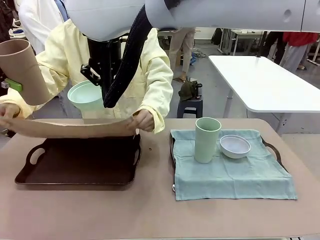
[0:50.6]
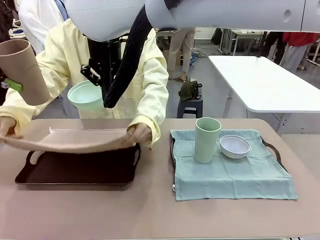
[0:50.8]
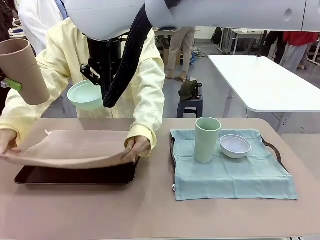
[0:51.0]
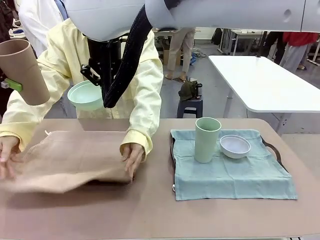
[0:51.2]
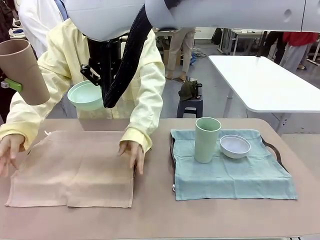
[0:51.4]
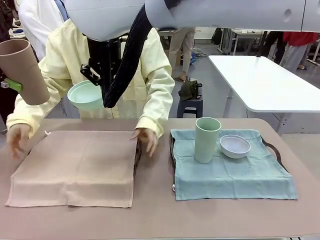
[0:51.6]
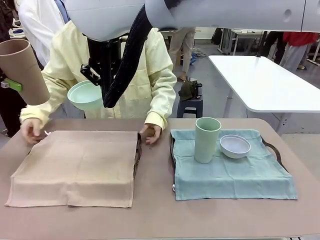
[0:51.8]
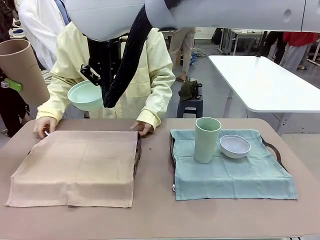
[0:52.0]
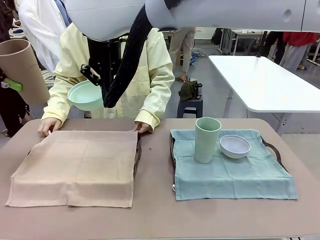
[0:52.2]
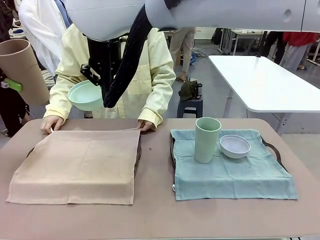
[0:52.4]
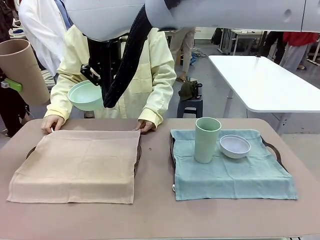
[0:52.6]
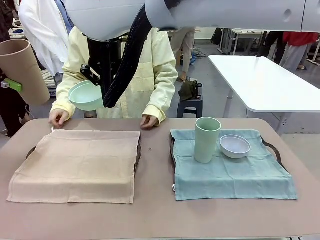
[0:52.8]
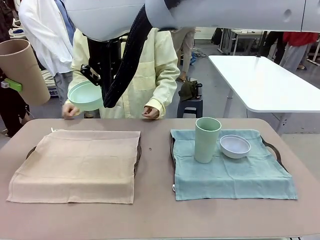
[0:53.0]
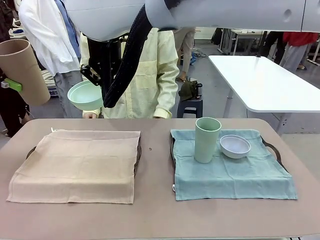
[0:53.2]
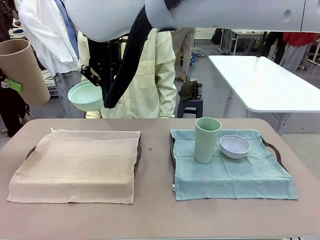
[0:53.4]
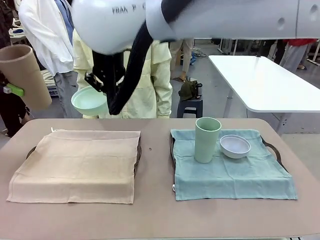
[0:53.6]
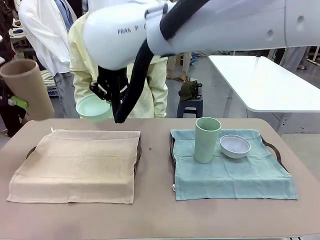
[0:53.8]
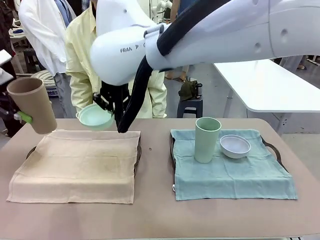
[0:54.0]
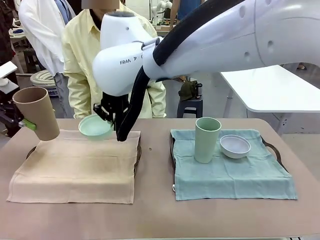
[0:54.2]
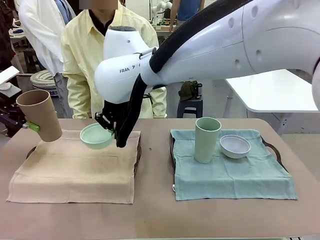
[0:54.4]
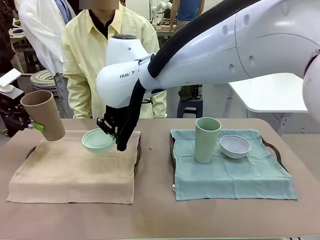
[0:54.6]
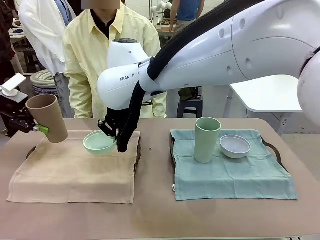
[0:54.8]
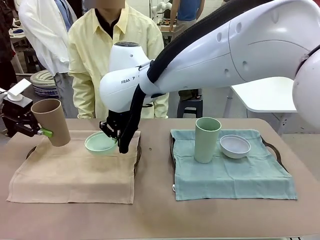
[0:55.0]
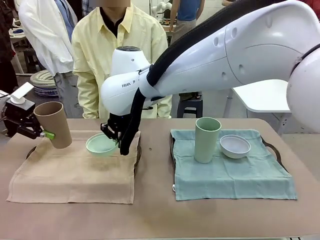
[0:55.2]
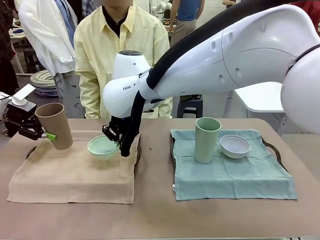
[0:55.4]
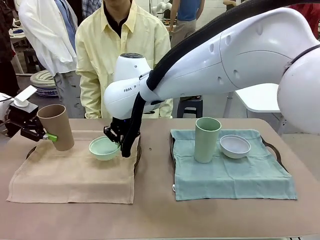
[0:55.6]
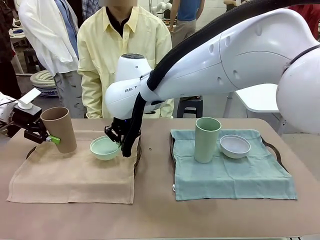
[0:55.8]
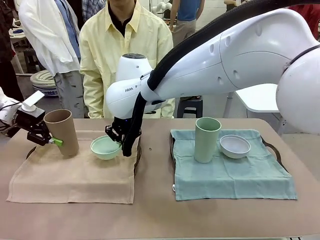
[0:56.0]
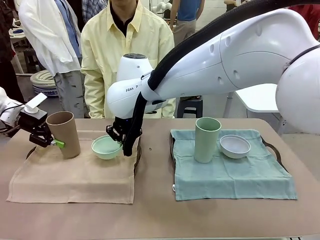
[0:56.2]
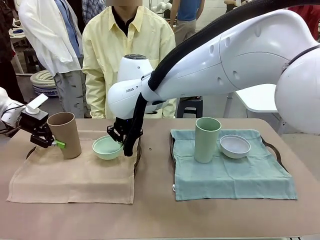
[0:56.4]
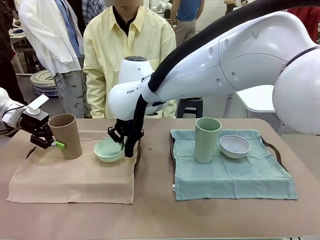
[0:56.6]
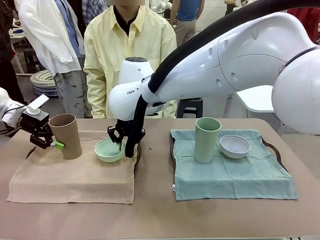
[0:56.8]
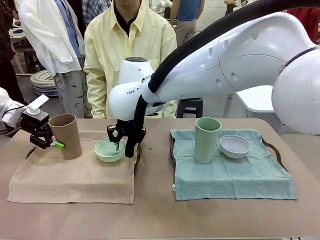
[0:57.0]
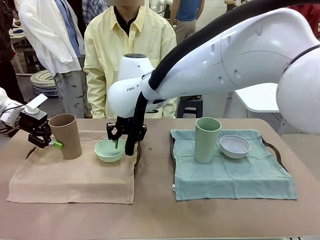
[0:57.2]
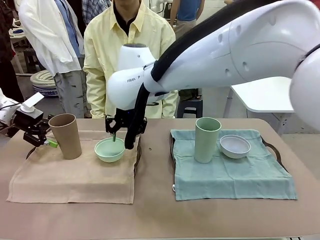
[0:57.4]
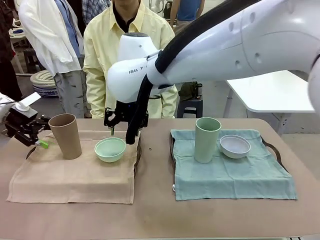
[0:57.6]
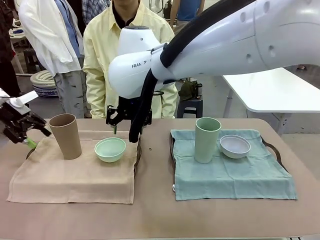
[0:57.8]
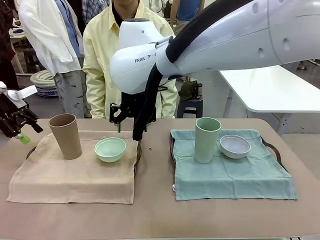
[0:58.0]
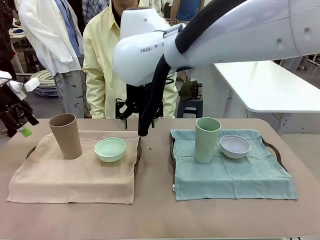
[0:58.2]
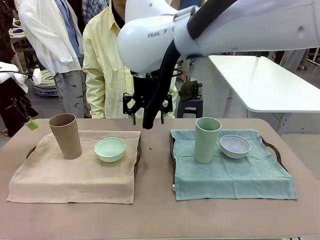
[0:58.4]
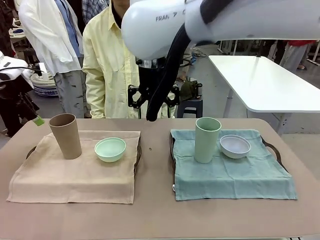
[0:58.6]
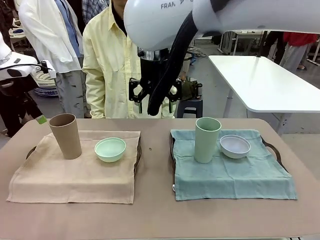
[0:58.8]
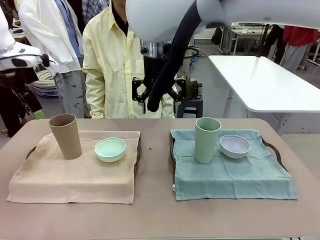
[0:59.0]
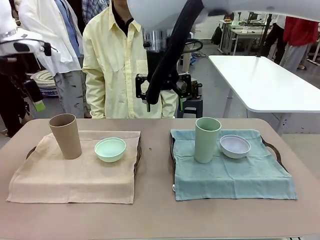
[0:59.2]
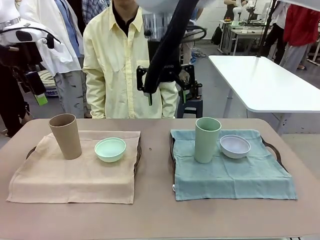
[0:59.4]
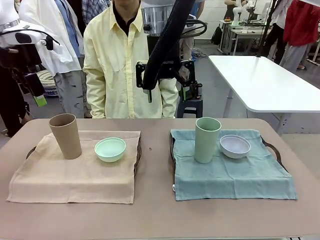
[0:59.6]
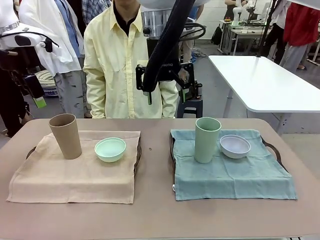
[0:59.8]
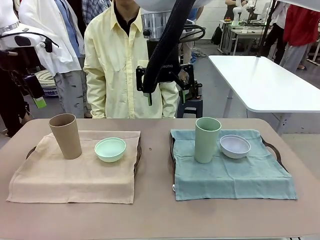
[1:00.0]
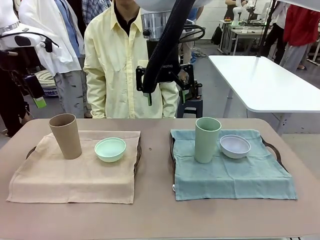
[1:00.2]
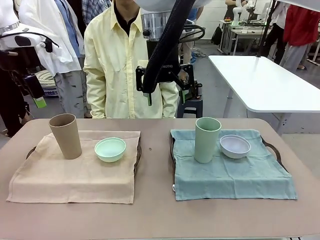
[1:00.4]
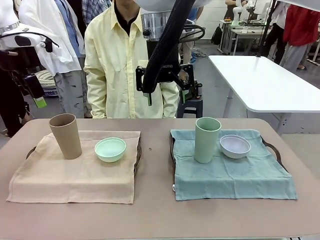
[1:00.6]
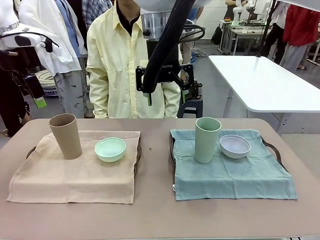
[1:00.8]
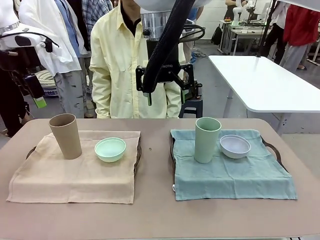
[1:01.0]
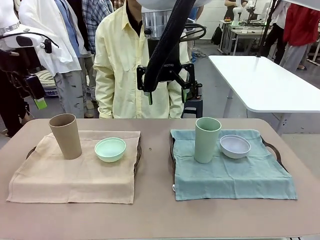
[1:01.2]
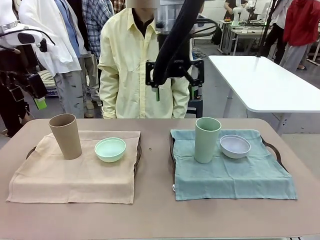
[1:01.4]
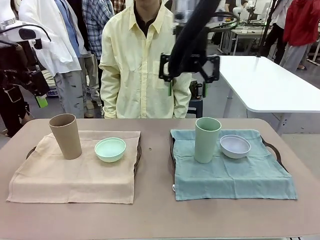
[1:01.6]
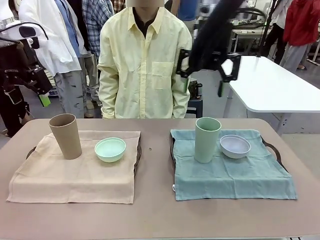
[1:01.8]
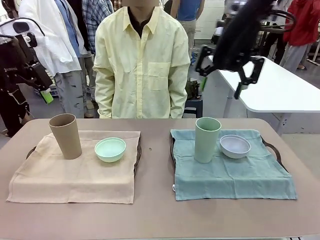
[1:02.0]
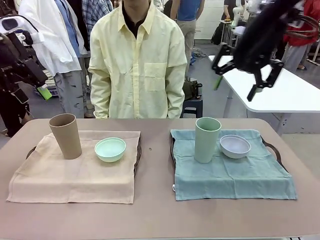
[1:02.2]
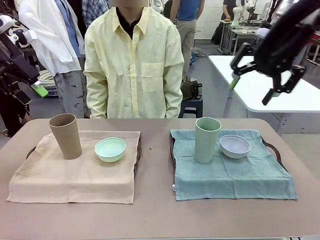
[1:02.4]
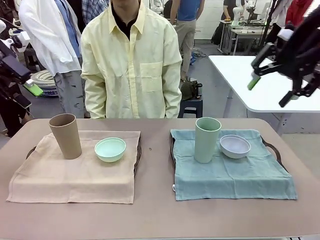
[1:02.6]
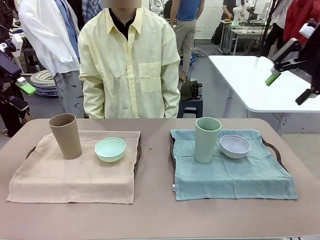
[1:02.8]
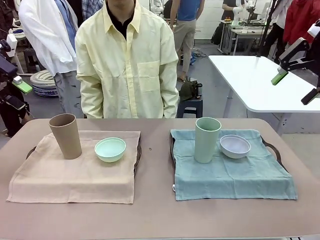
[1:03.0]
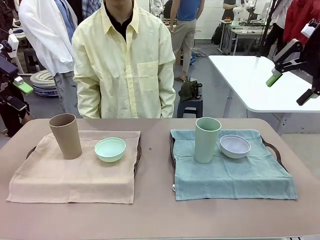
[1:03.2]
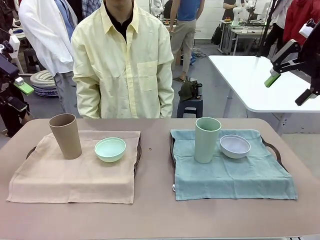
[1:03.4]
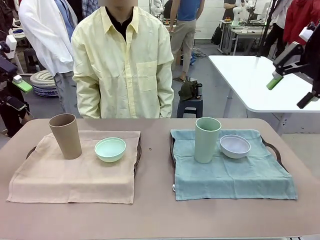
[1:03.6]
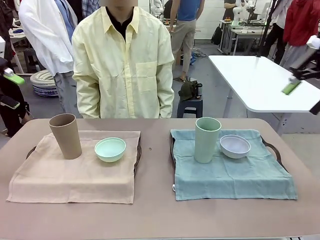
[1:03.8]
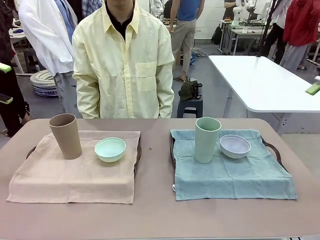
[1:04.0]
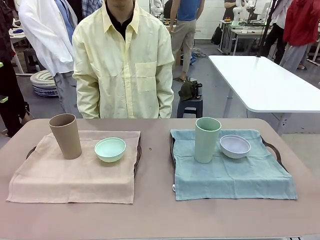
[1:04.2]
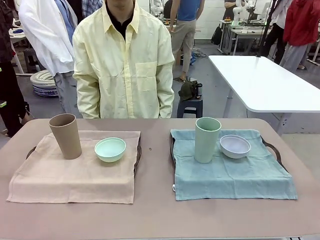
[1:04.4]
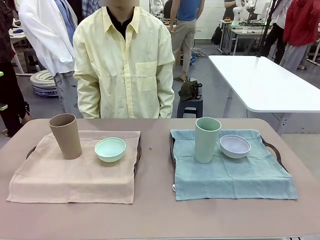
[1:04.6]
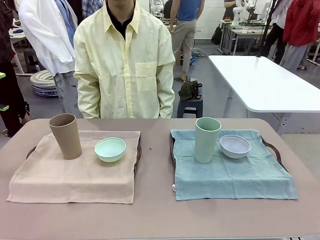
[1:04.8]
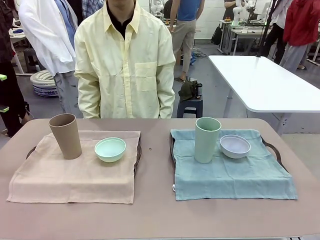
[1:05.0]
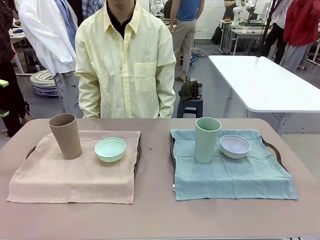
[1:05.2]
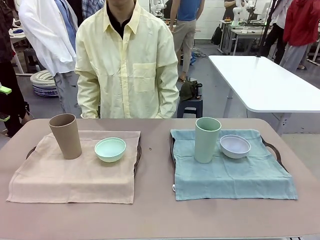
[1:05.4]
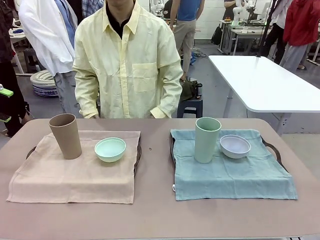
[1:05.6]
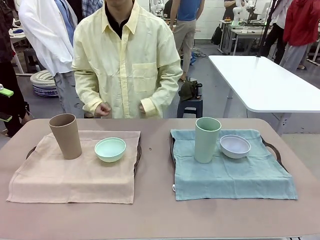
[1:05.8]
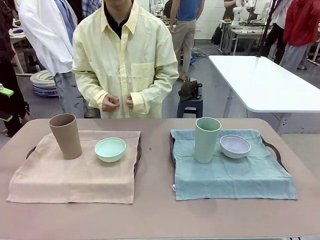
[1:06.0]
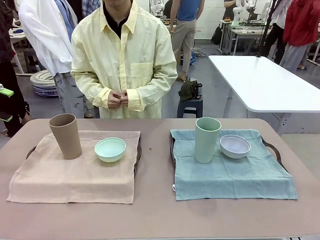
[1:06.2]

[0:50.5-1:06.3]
Robot: Place the Picnic Bowl and Reusable plastic cup back onto the Handle tray in front of the human's position.
Person: When the robot lifts the bowl and the cup, the human unfolds the napkin and lays the napkin flat on the tray.

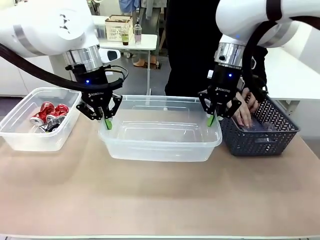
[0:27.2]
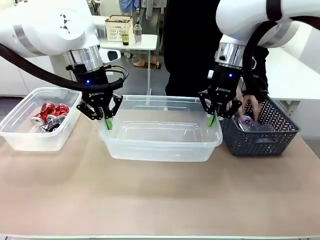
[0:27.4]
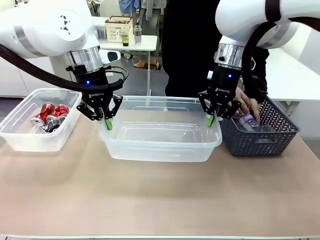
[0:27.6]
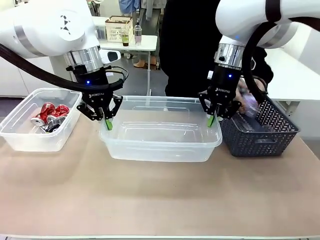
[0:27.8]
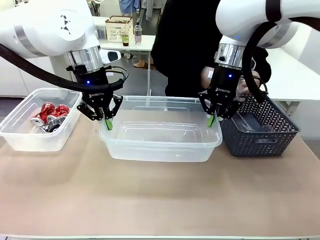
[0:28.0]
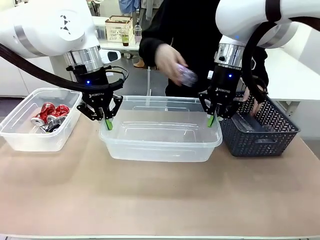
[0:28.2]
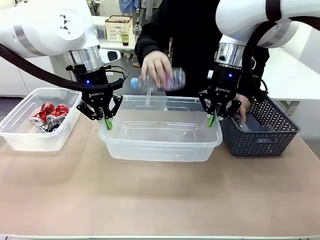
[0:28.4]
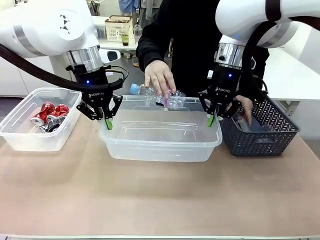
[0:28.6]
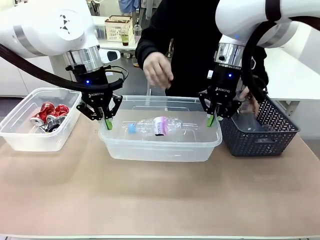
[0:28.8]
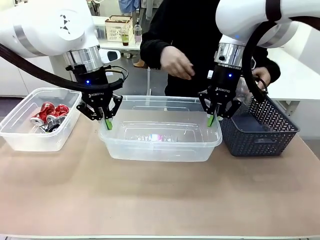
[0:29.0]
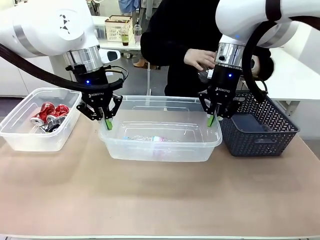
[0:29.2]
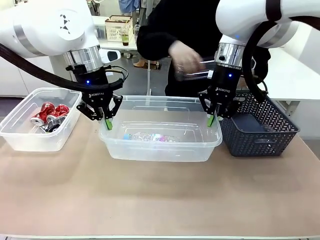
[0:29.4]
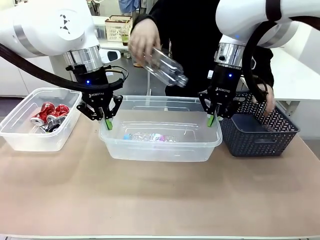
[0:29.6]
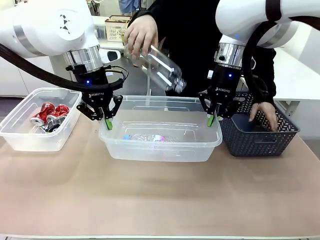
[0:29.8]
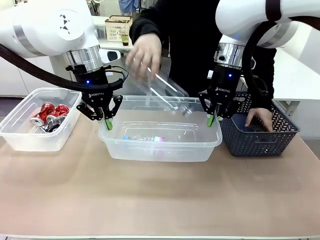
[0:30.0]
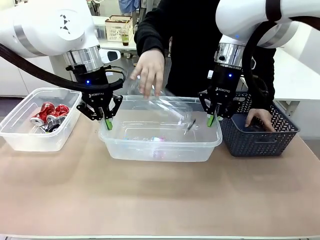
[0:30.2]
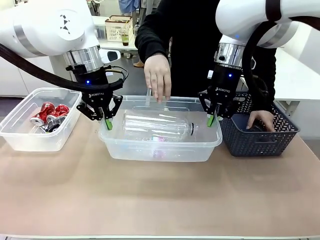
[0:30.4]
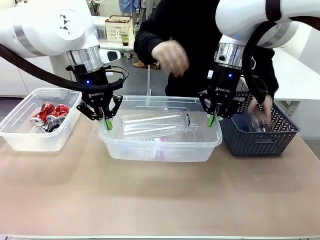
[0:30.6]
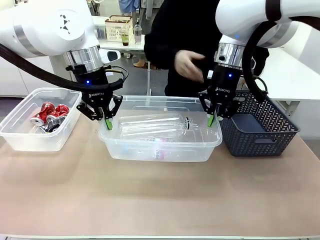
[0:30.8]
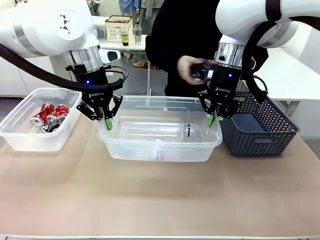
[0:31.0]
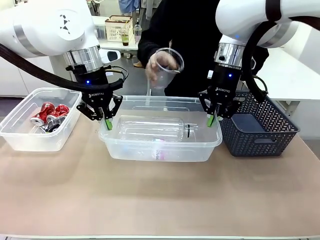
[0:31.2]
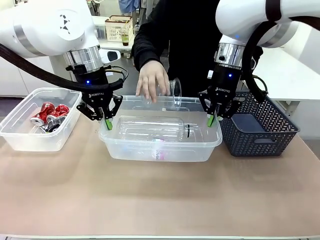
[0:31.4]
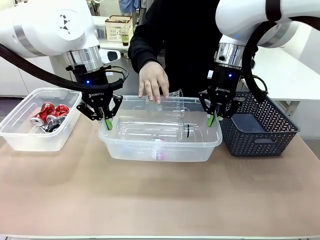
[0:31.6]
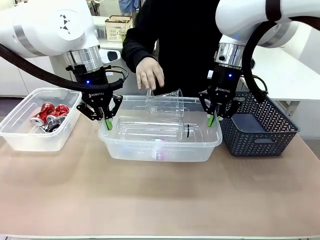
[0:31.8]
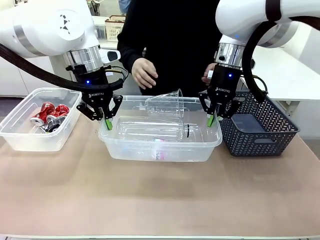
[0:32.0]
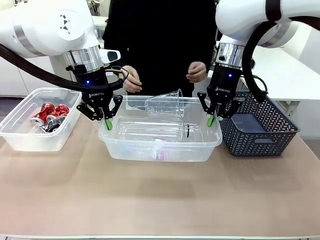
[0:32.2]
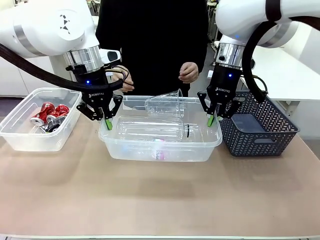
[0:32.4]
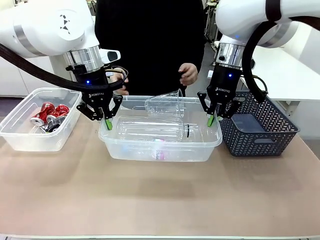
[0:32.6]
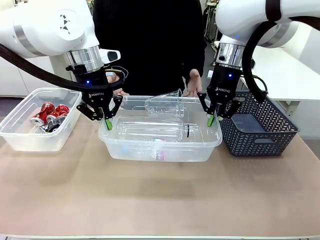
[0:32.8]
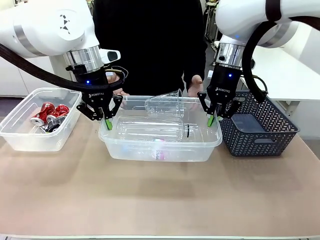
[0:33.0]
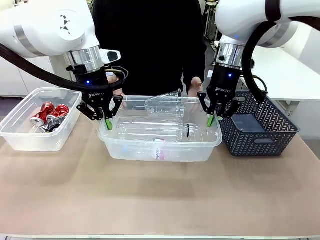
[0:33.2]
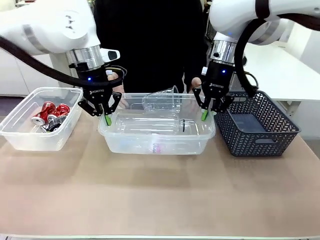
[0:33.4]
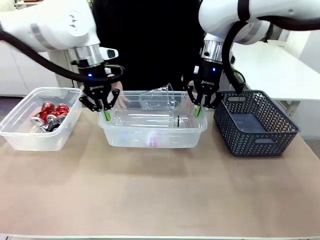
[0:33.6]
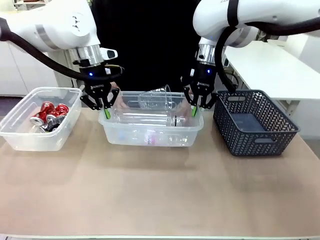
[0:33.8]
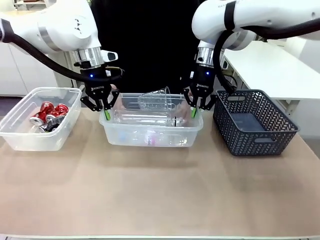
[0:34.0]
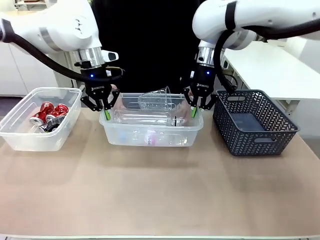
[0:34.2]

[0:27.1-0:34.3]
Robot: Offer the picked Organizing box to the human.
Person: Pick up plastic waste one by one and place it into the organizing box lifted by the robot.
